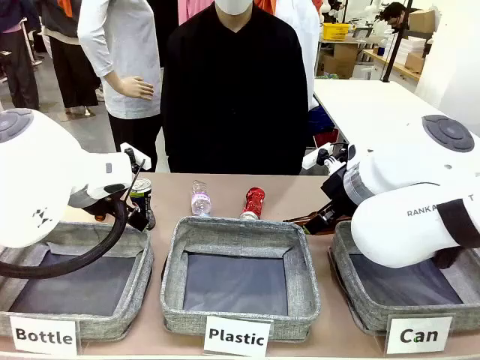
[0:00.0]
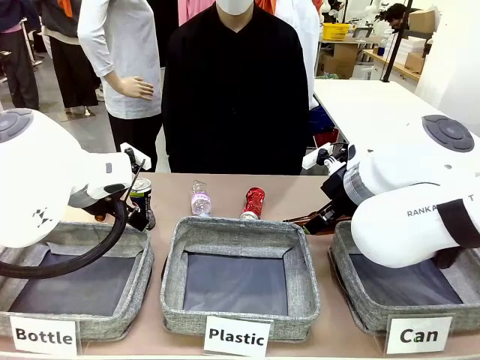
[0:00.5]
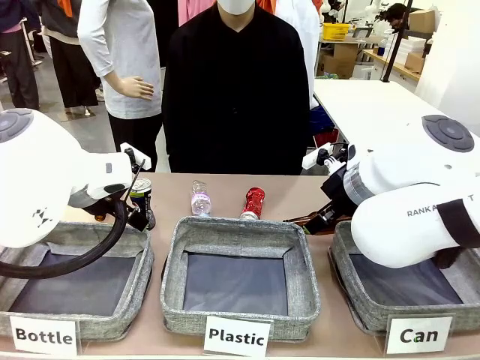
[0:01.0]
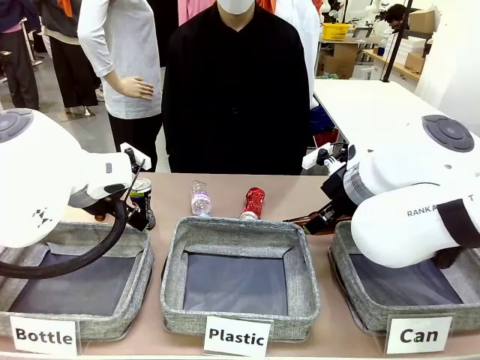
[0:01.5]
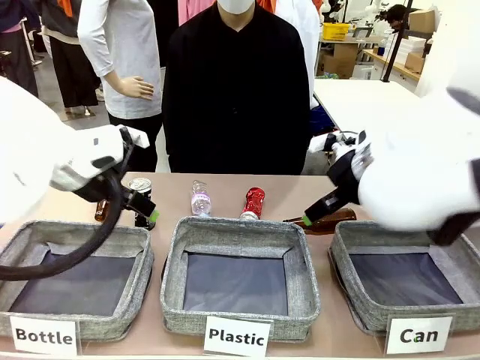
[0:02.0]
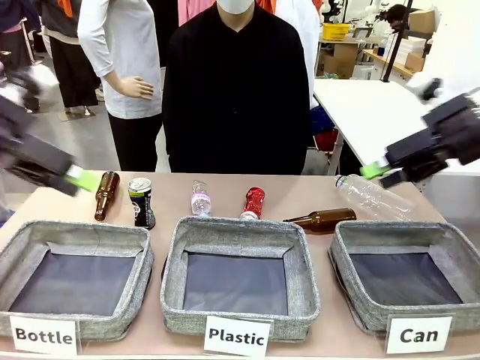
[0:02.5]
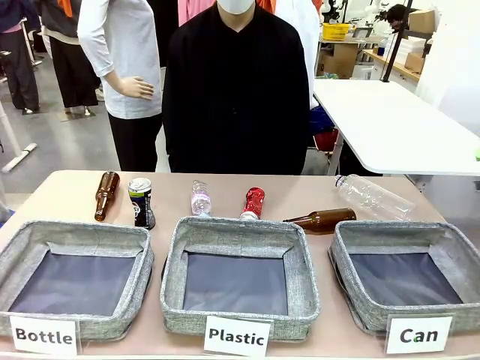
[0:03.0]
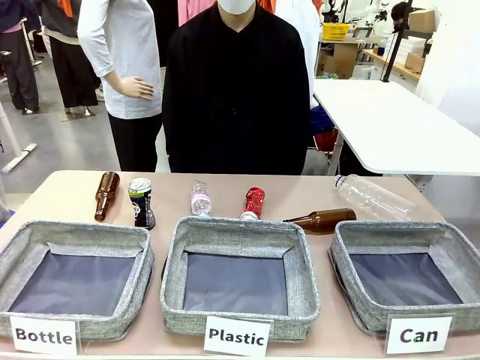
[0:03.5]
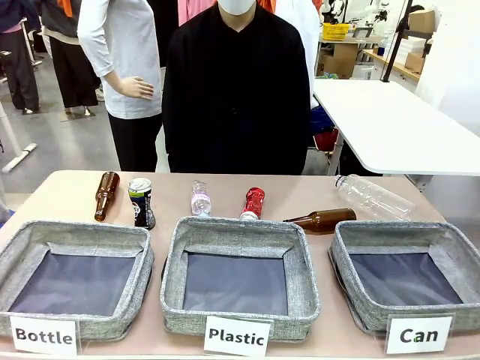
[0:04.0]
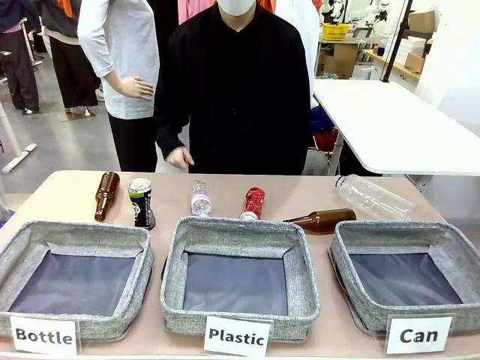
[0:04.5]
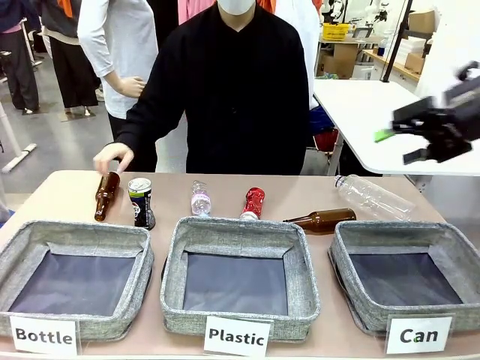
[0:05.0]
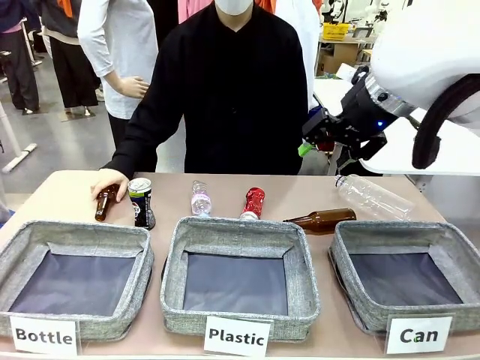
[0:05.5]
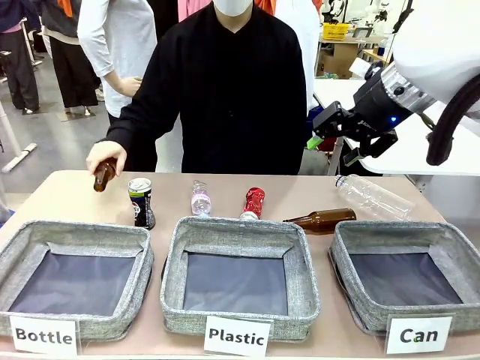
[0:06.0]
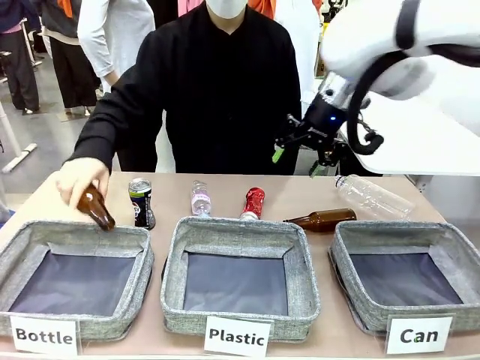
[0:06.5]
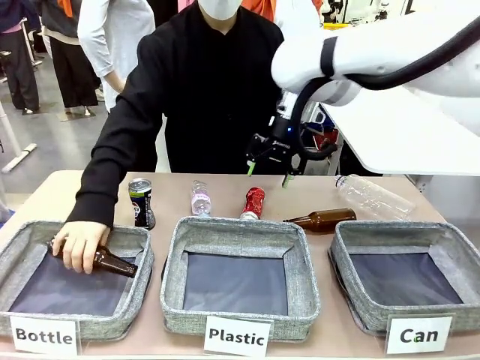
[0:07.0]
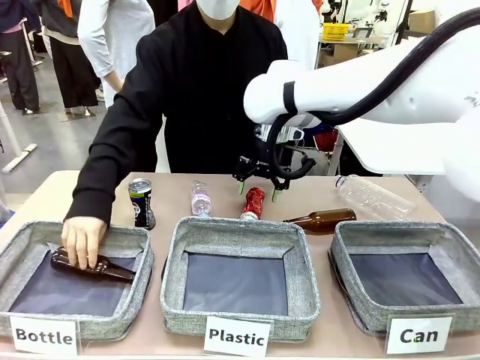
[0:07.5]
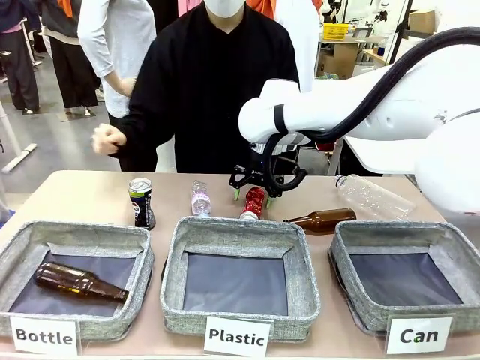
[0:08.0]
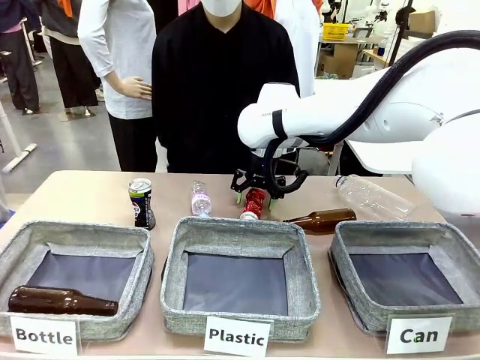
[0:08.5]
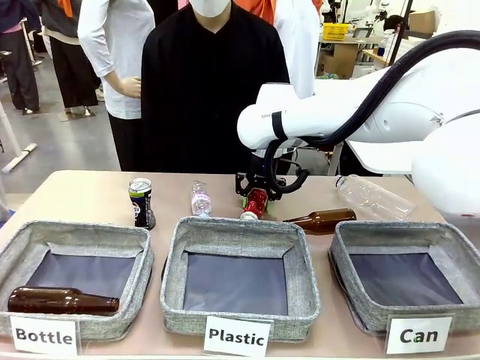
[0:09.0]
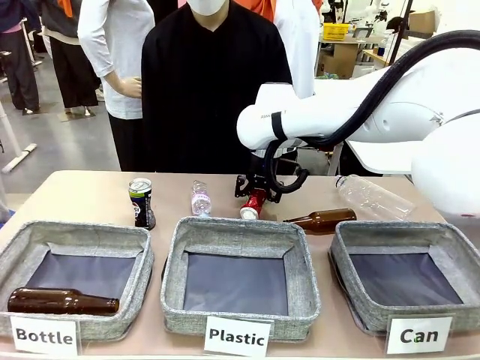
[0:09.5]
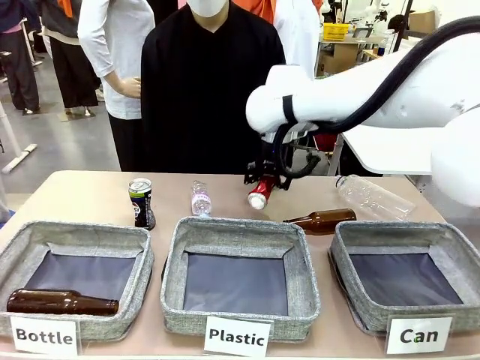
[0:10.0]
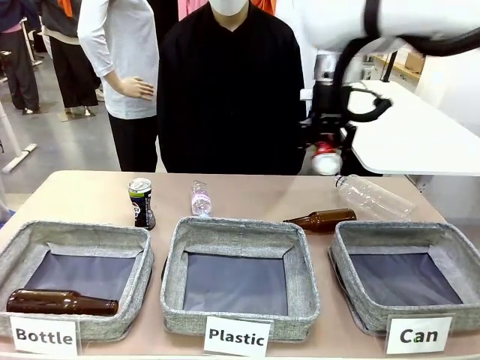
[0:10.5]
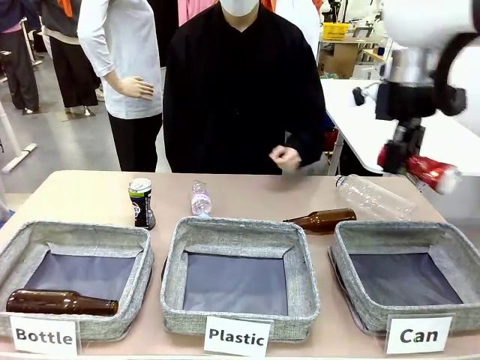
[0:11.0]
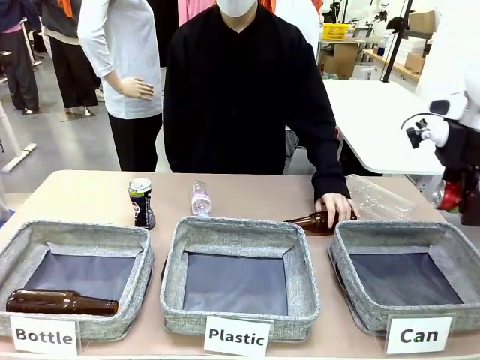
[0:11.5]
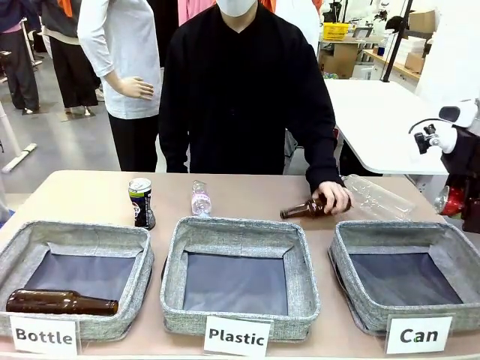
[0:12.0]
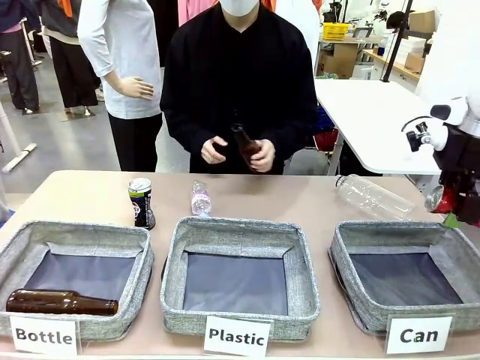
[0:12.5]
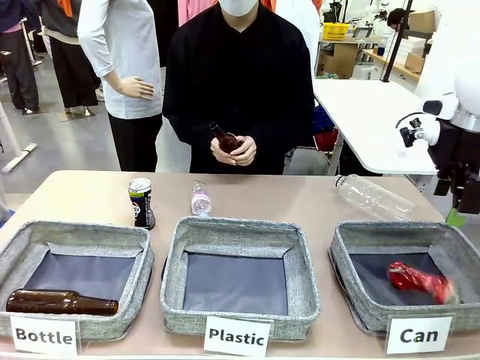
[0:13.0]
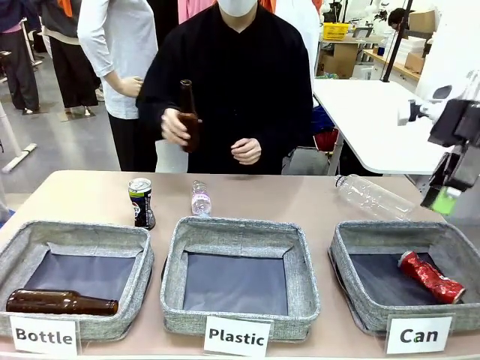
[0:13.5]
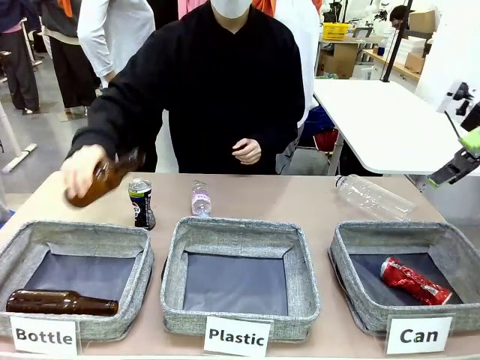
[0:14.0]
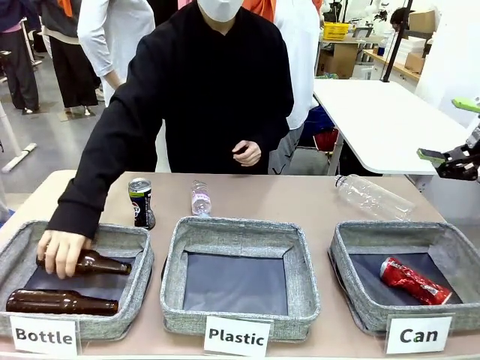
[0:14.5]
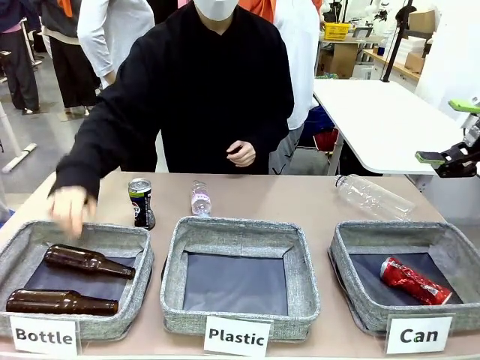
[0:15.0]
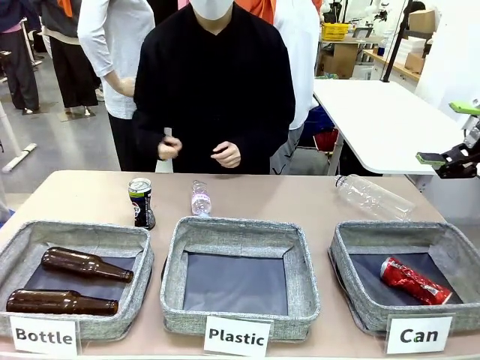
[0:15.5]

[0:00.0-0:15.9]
Task: Sort the can waste into the basket.
Robot: Pick up the can waste from the table and place it in the right Fabric basket.
